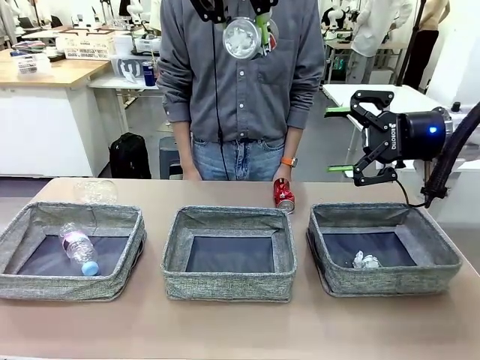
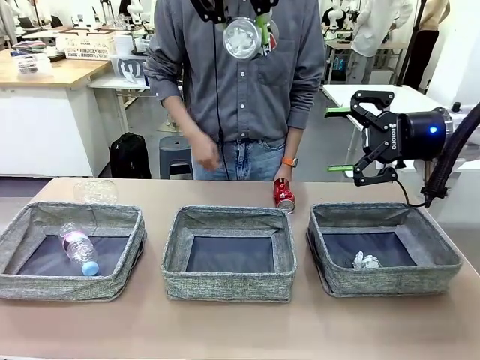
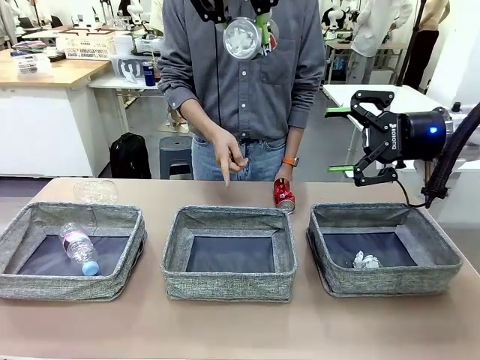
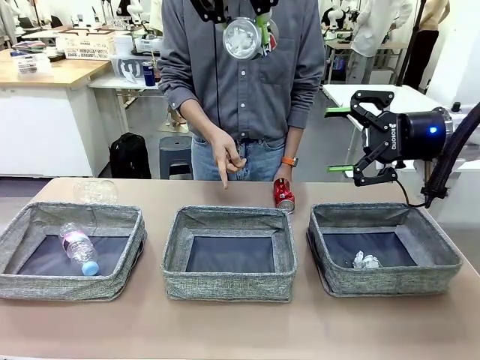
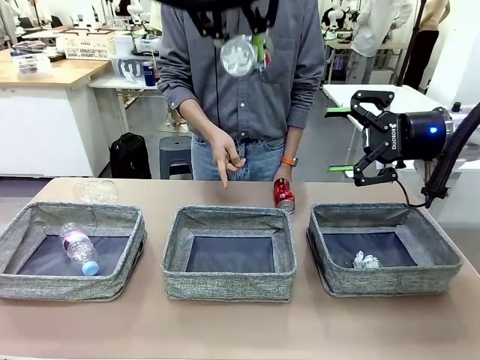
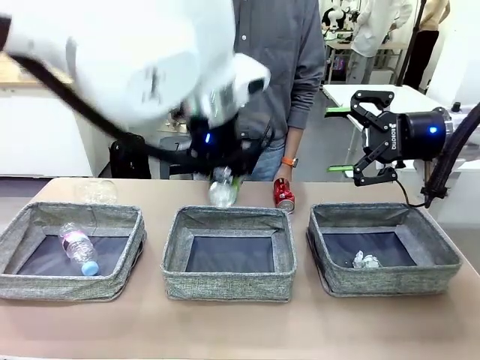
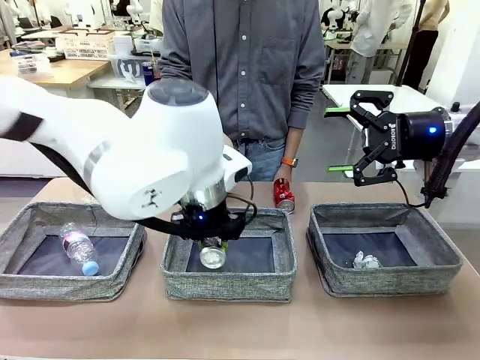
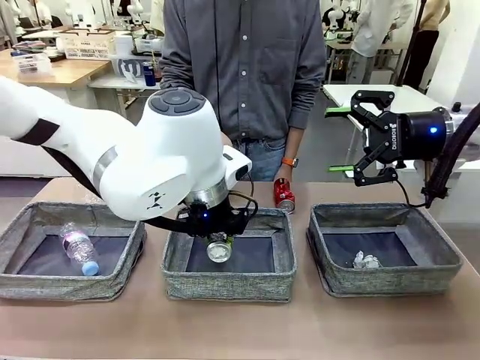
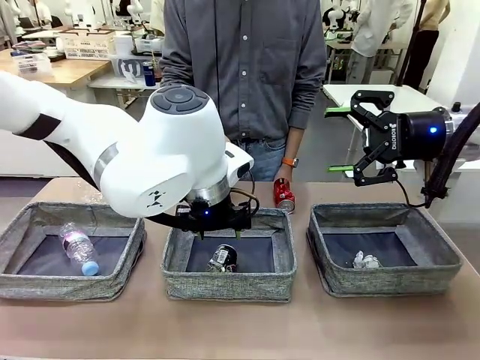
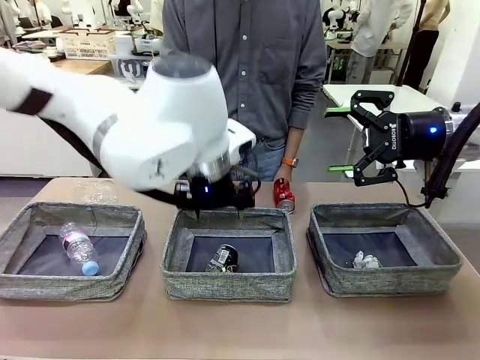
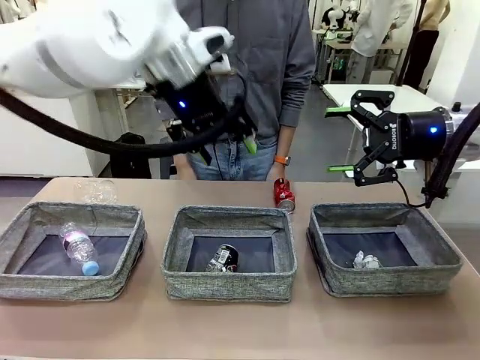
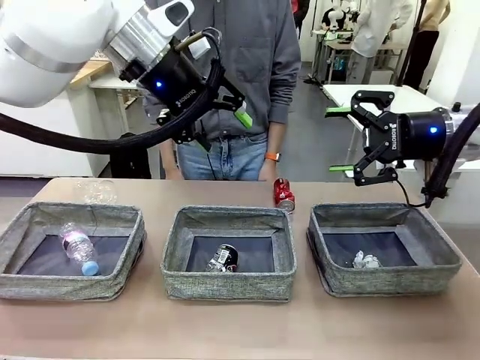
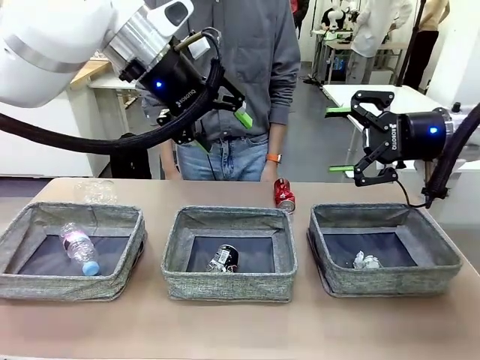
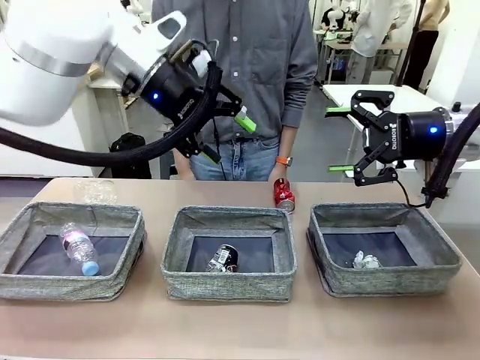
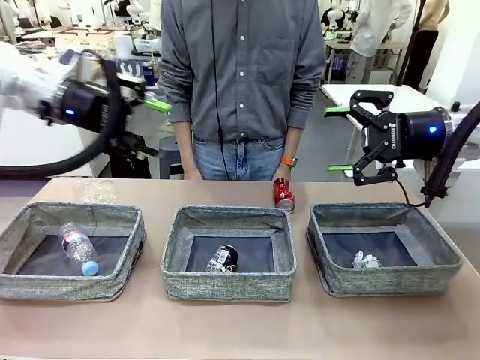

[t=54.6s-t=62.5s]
Task: Sort the waste into the appropriate baskets.
Robot: Place the picked waste into the Fabric basket indicated by the person.
Person: Instructs the robot to place the picked-up trash into the appropriate organizing basket.

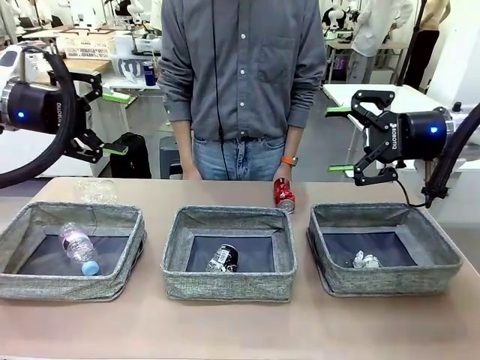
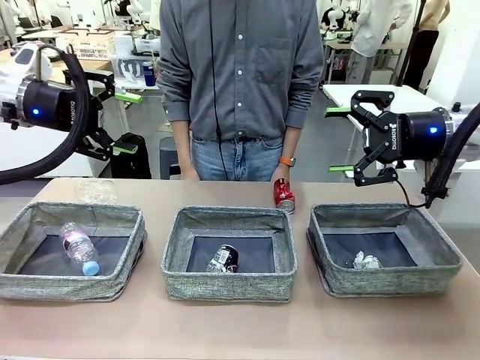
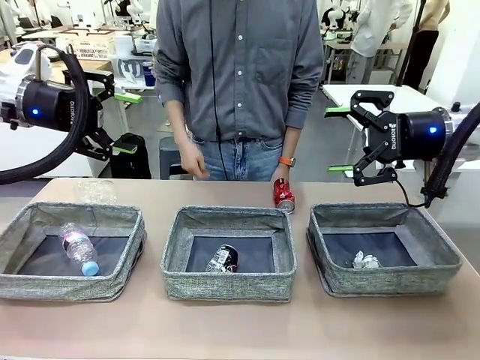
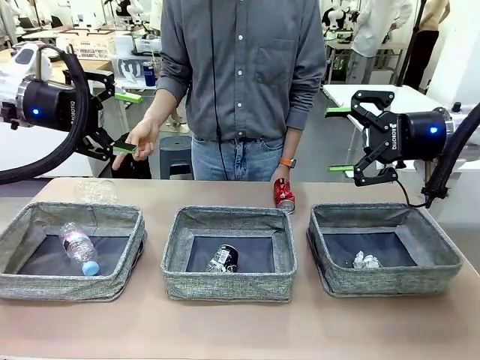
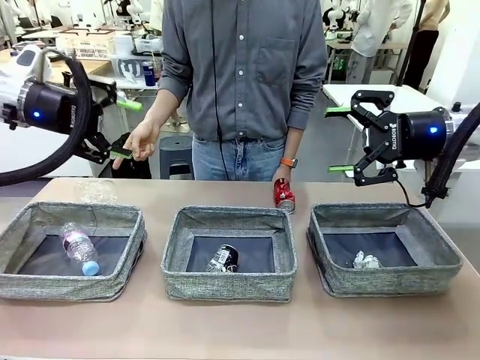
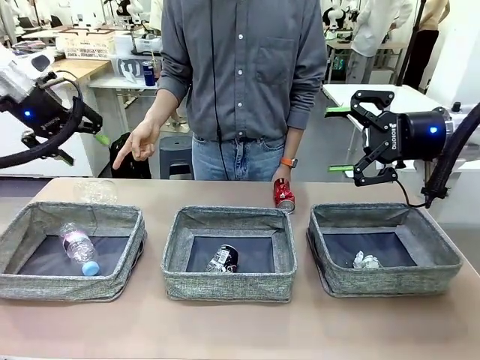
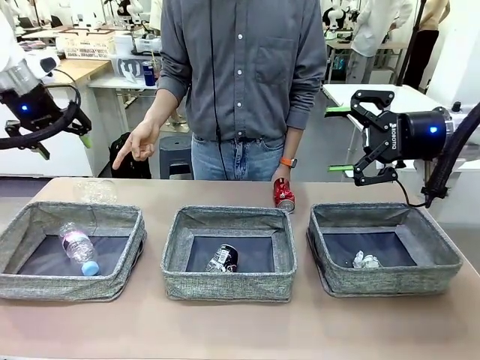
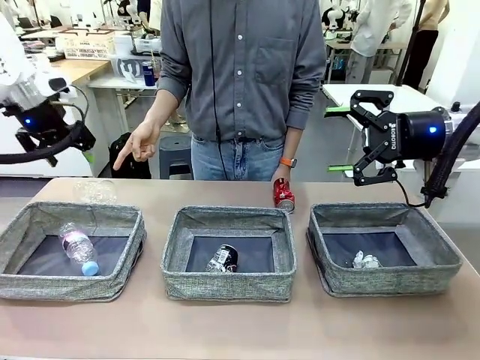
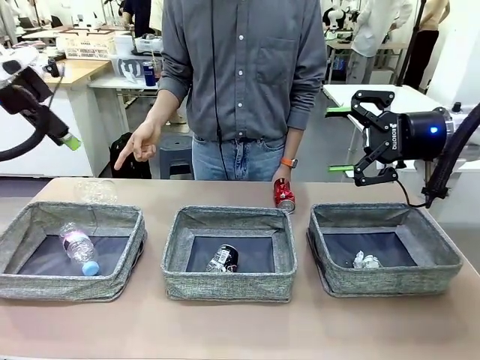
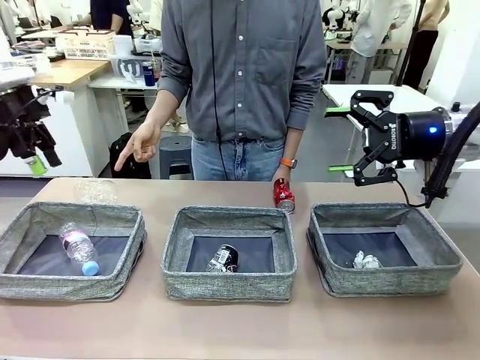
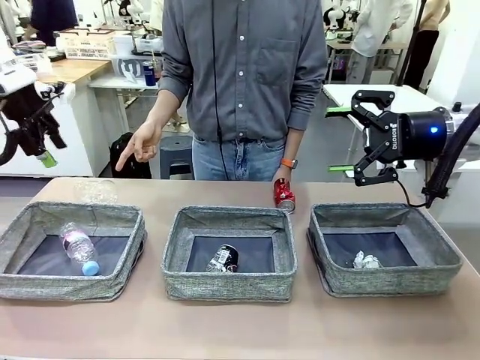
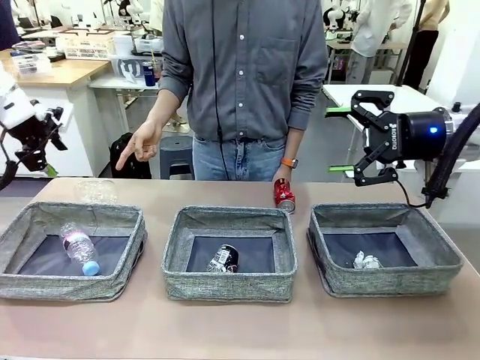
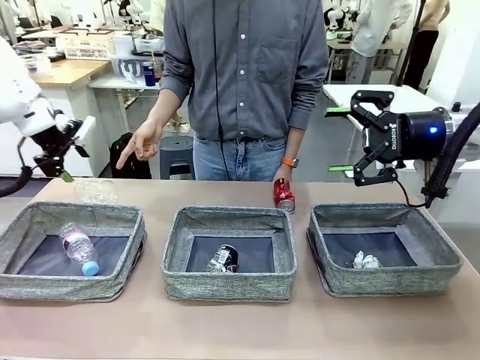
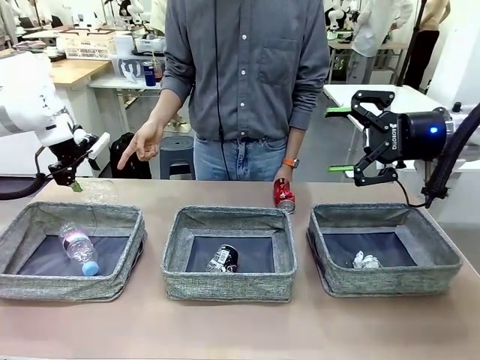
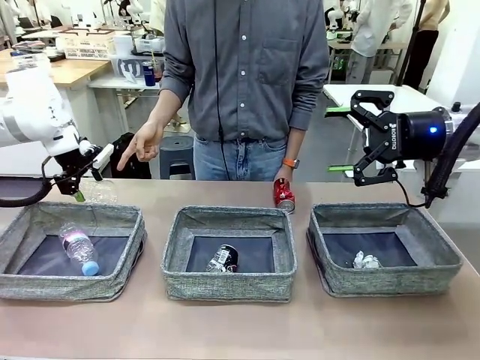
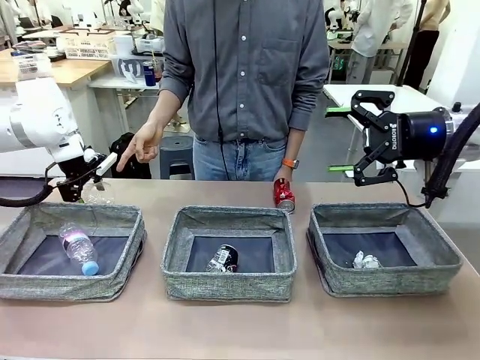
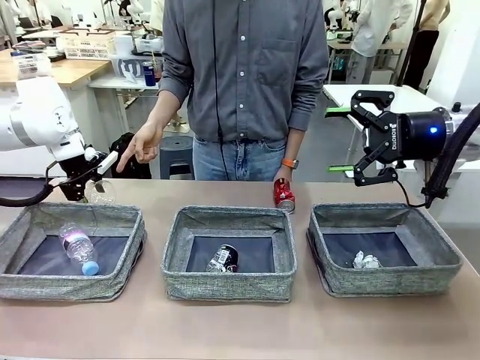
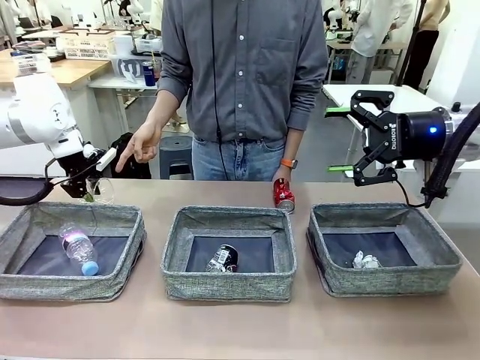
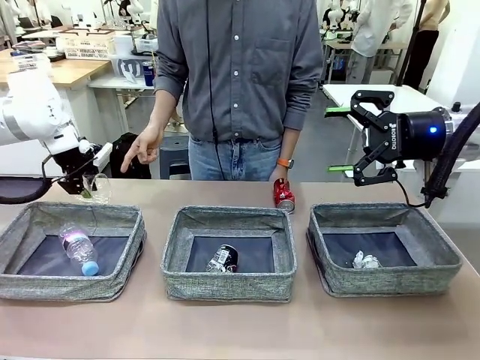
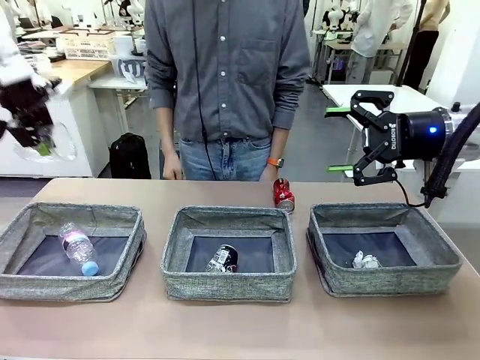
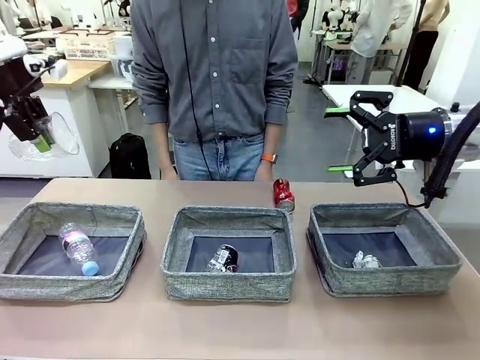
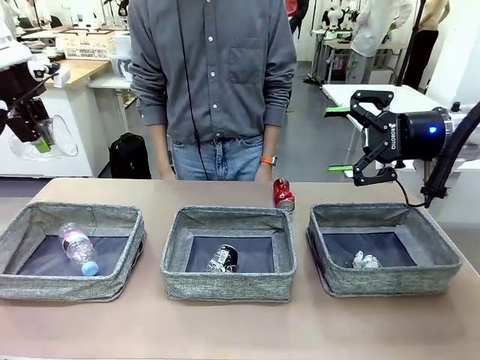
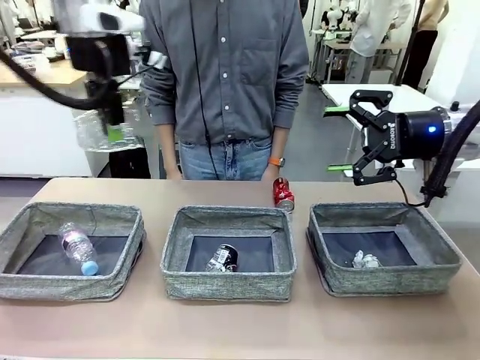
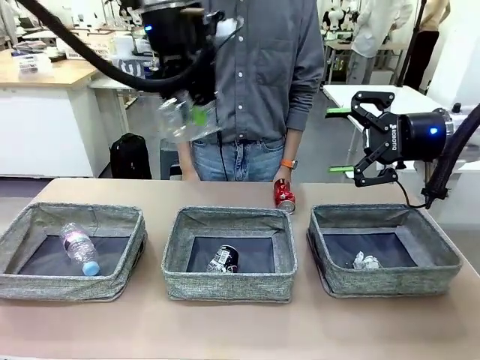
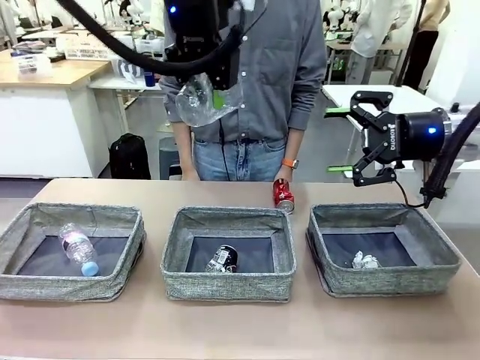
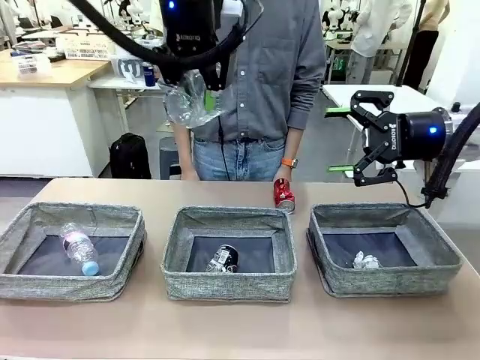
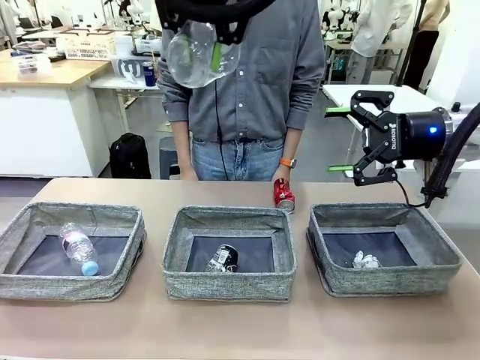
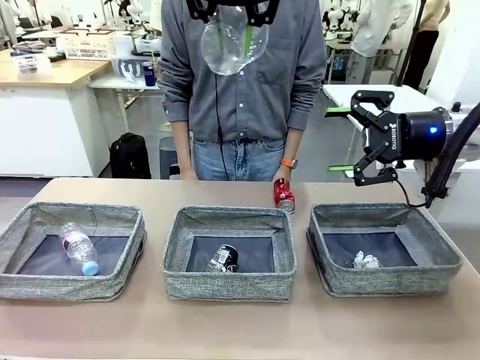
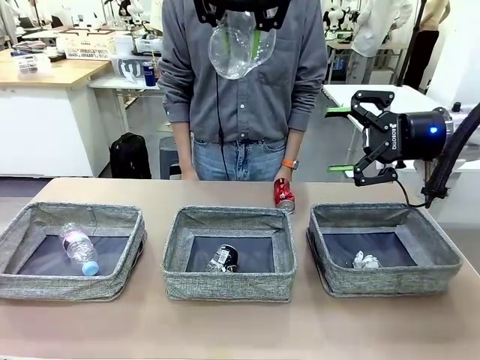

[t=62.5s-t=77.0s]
Robot: Pick up the waste item pointed out by the person.
Person: Points to one piece of trash on the table.

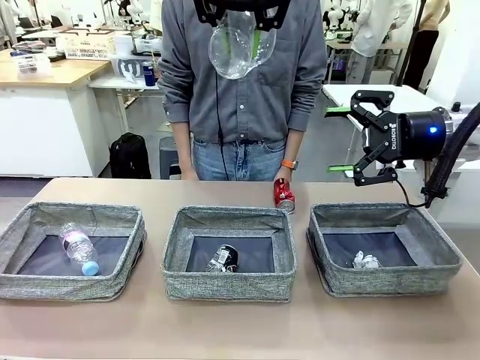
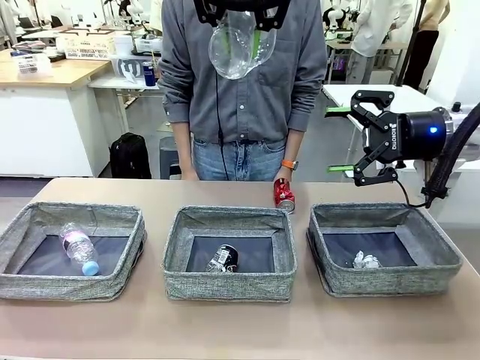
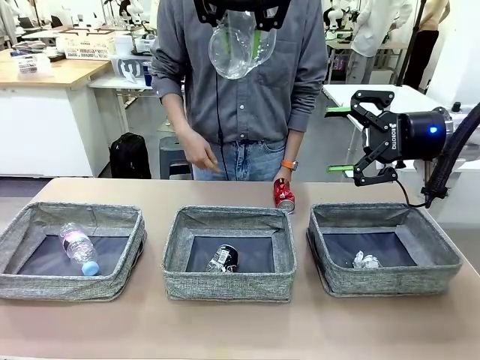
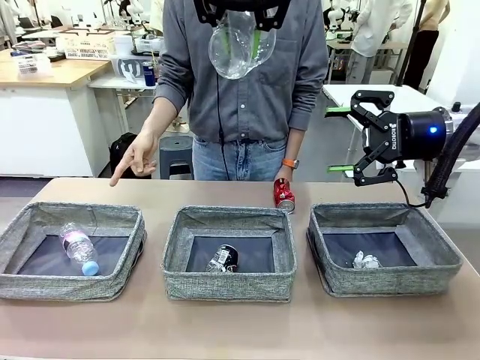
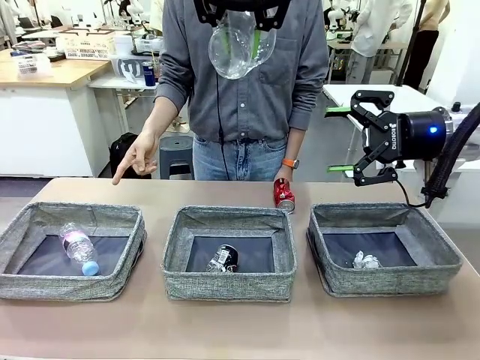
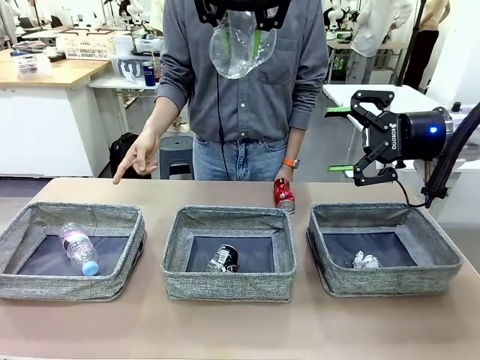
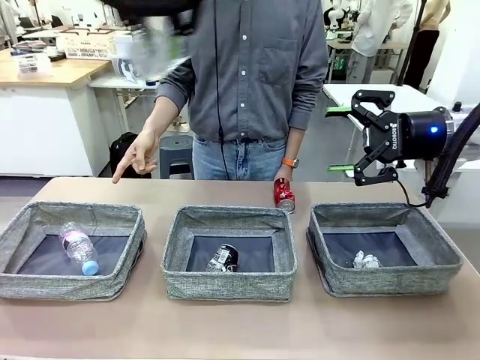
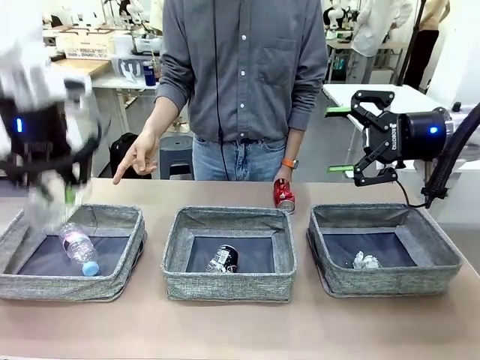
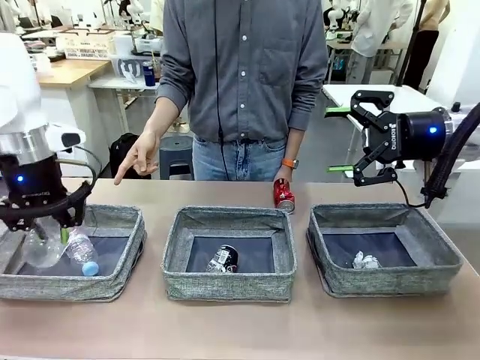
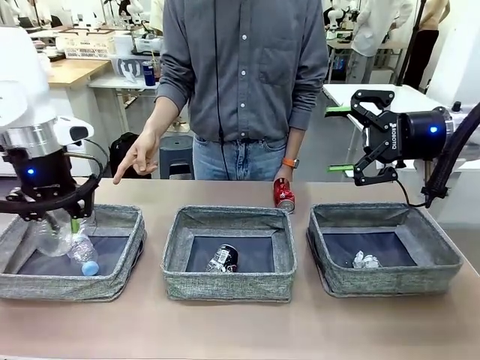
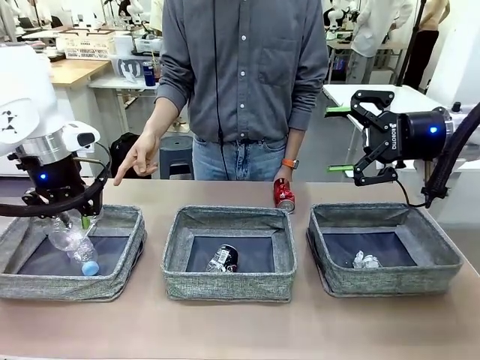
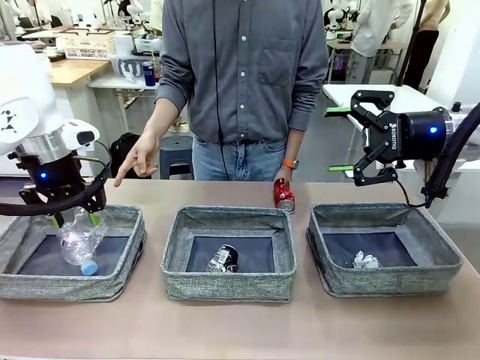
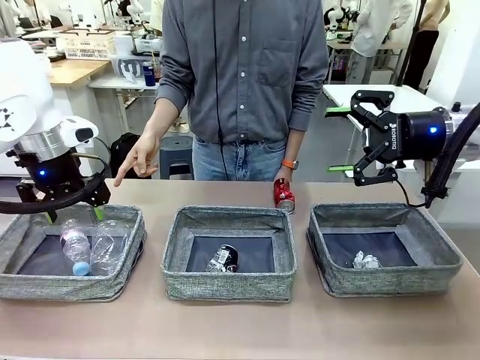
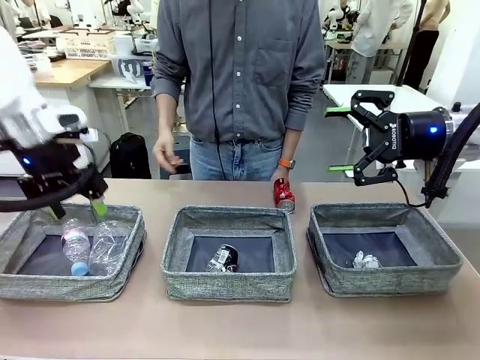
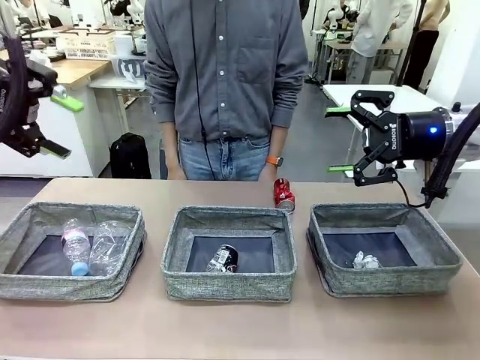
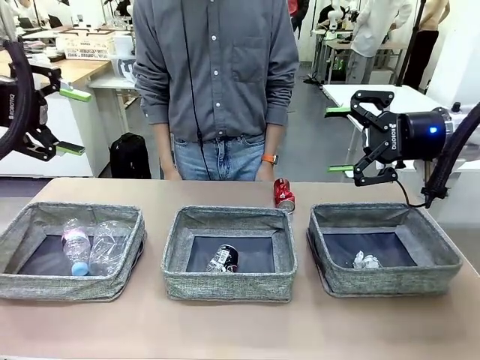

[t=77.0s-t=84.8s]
Robot: Place the picked waste into the Fabric basket indicated by the person.
Person: Instructs the robot to place the picked-up trash into the appropriate organizing basket.
